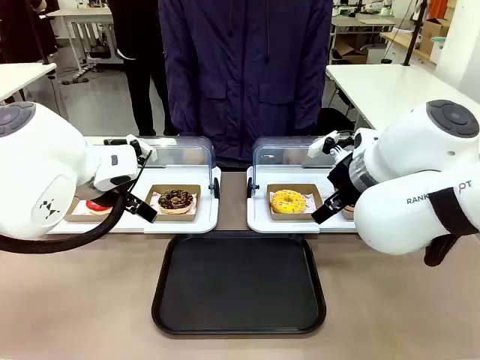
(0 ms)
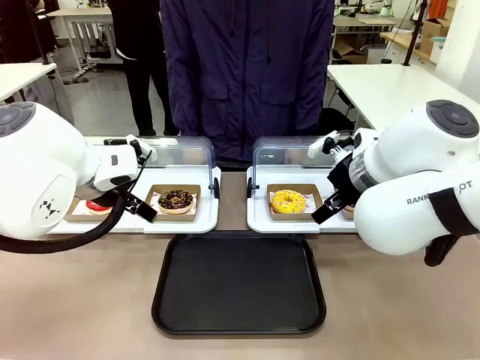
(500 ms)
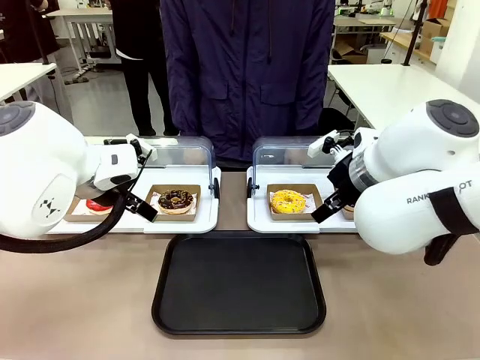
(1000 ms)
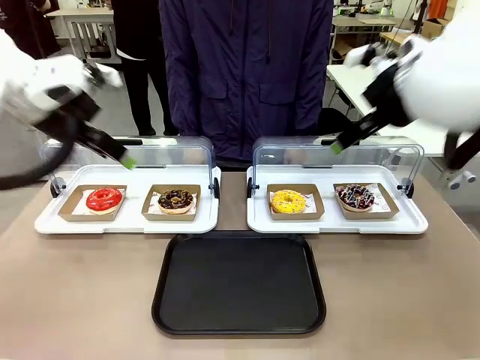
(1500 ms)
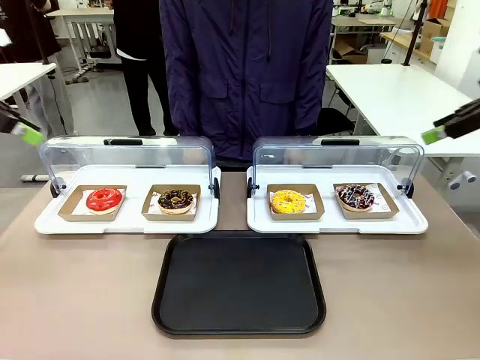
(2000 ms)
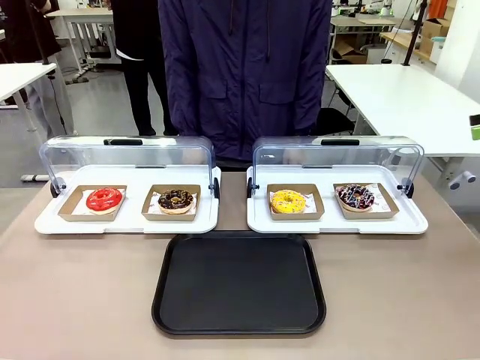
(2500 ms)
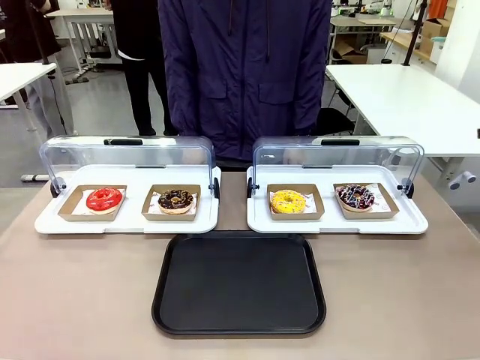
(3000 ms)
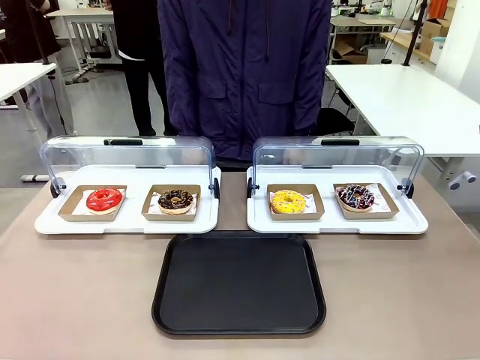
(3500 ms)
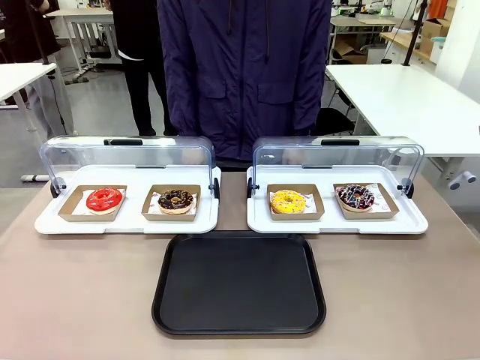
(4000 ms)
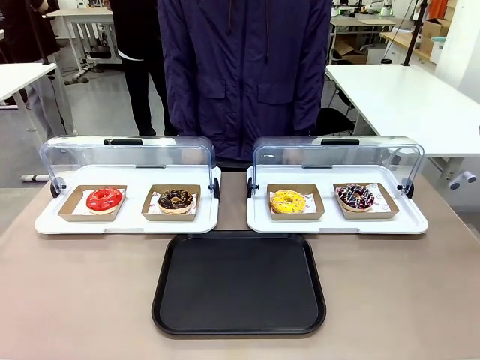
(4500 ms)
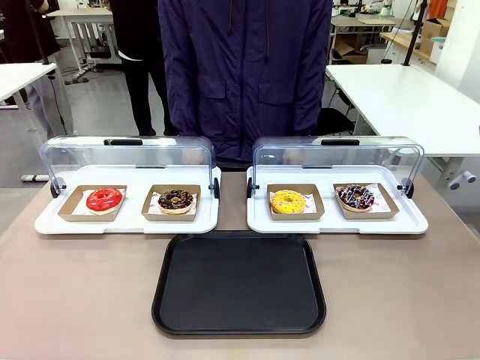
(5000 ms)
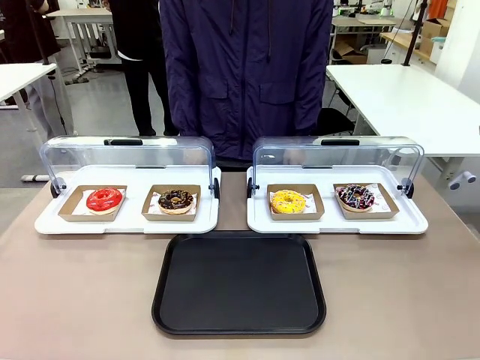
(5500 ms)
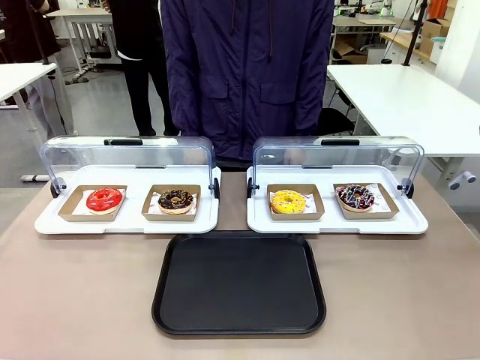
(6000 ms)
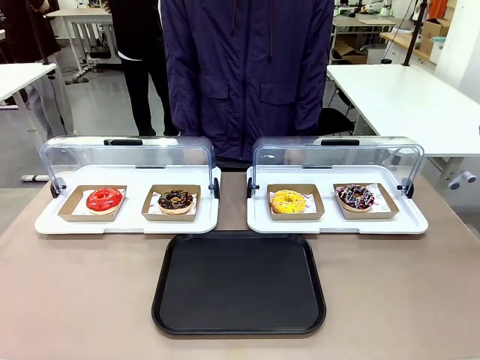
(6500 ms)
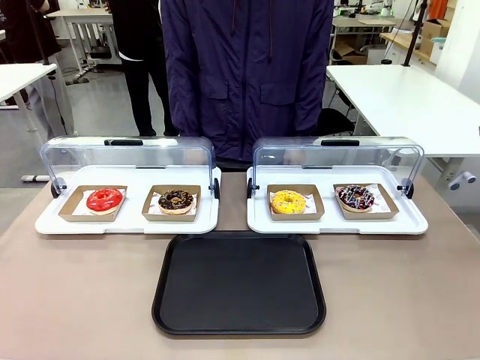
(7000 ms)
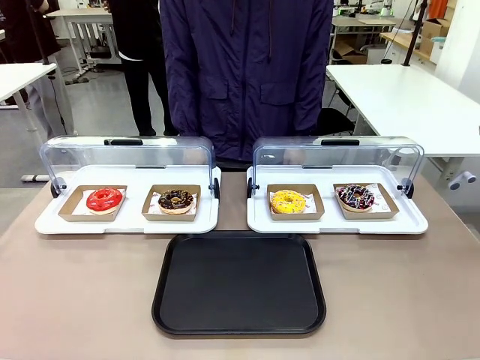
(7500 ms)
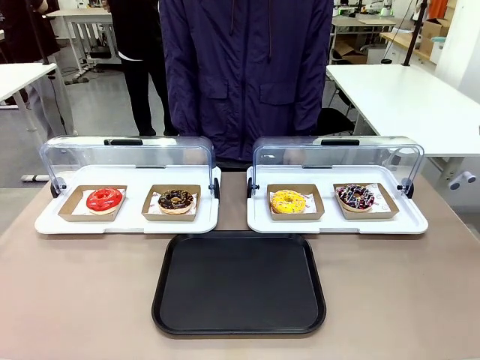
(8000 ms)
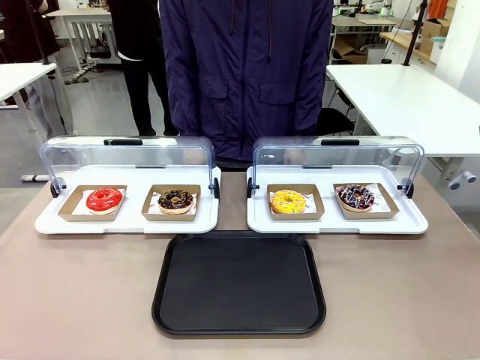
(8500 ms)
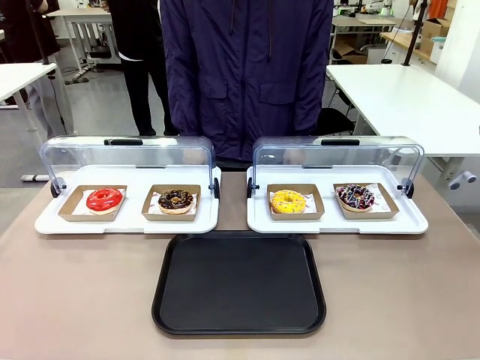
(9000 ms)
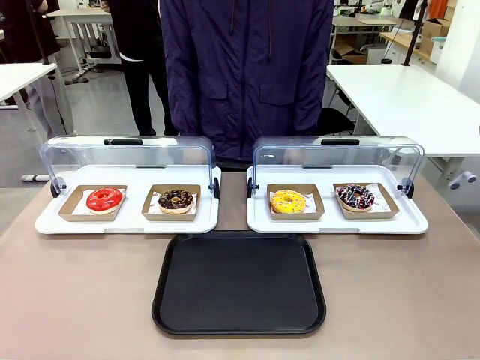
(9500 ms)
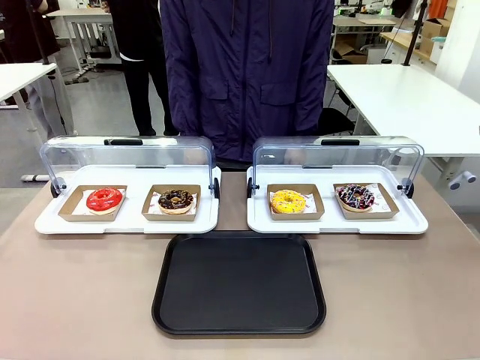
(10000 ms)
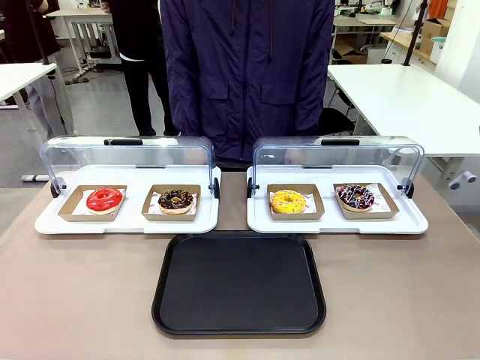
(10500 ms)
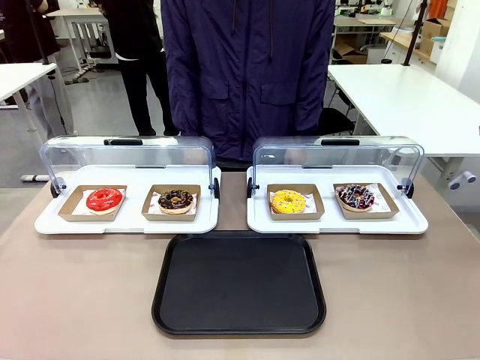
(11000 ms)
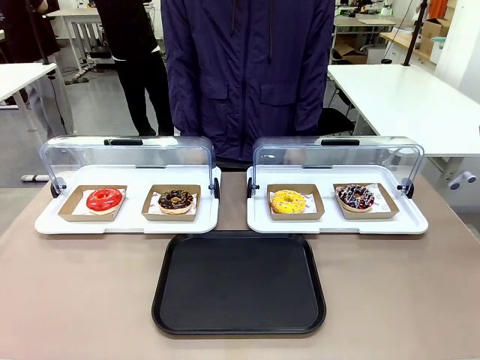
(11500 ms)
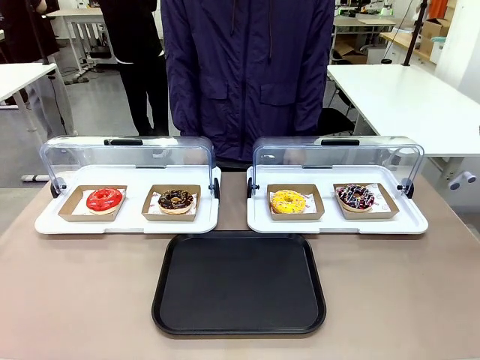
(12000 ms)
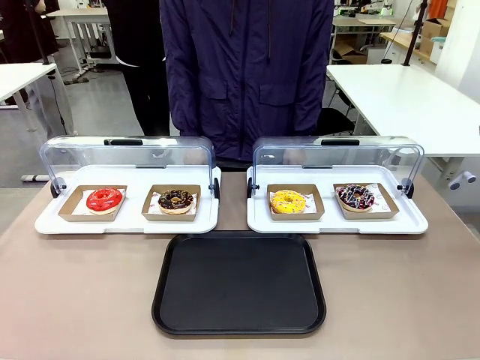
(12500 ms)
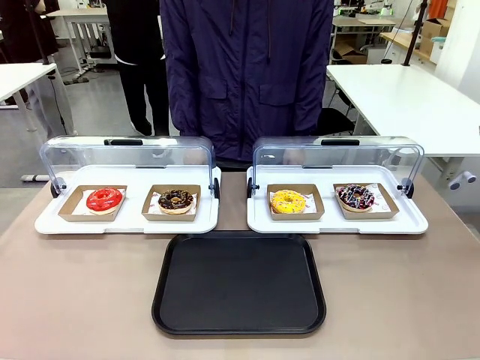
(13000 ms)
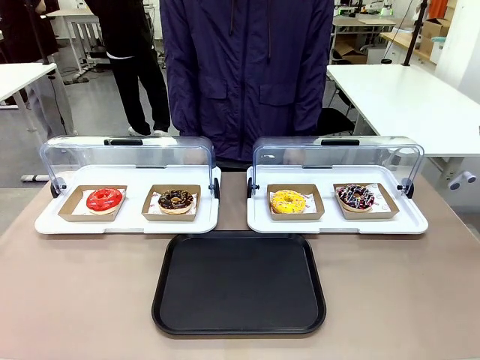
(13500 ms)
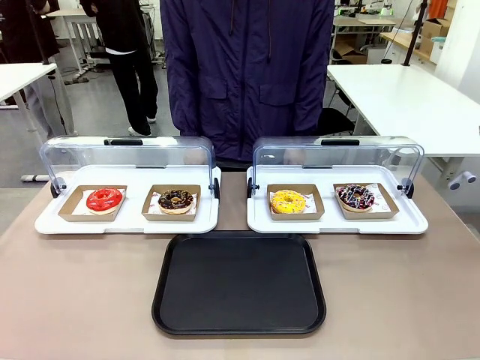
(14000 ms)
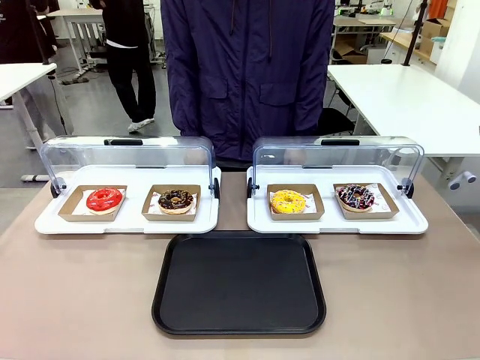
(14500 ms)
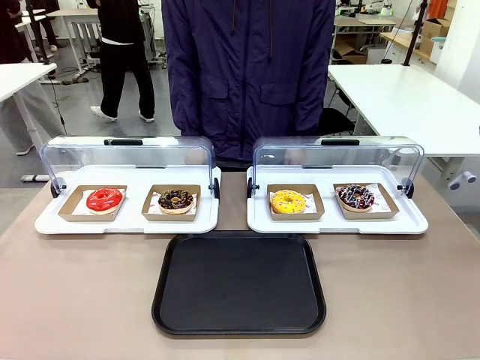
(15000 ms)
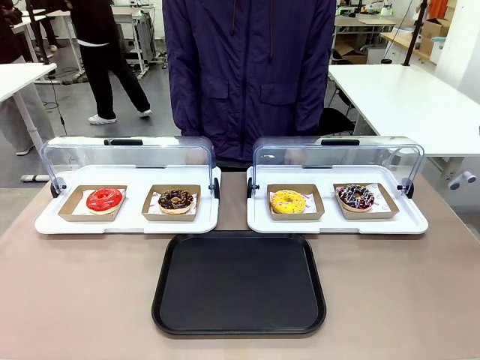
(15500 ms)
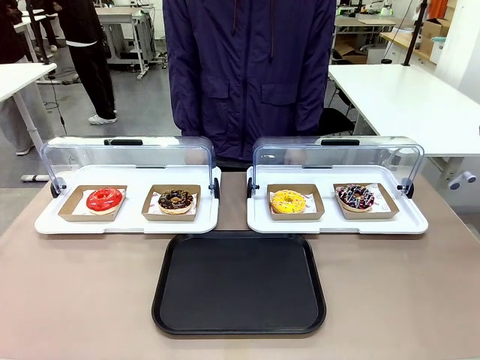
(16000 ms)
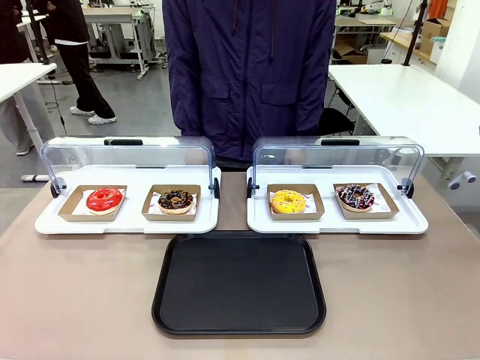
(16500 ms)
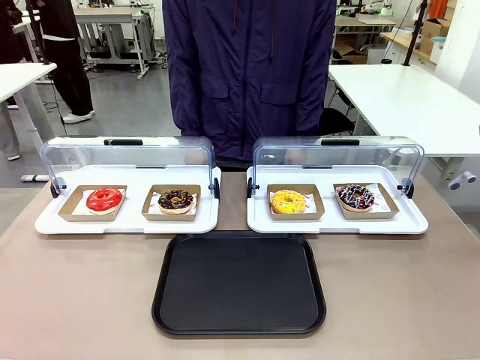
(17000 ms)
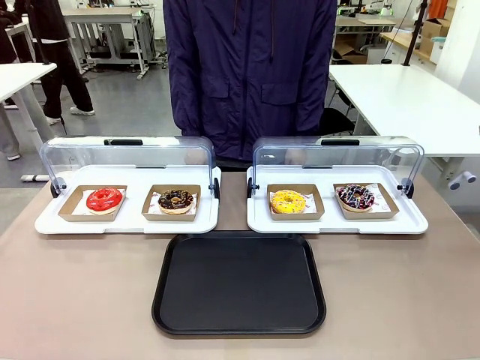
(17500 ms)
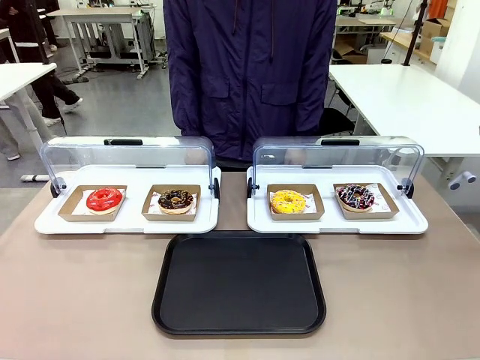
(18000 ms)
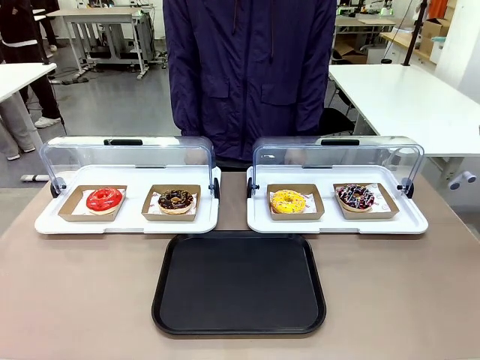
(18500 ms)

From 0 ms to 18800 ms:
Task: Move the fourth donut from the left to the tray.
Robot: Pick up the Paper togo box containing the Donut indicated by the person and place it on the Handle tray.
